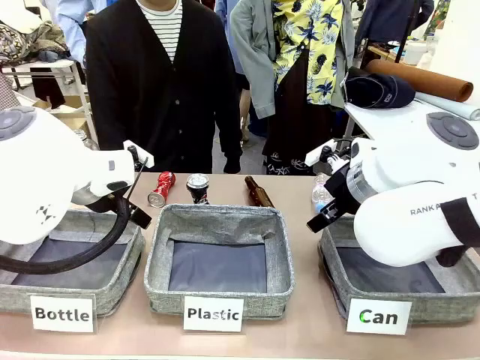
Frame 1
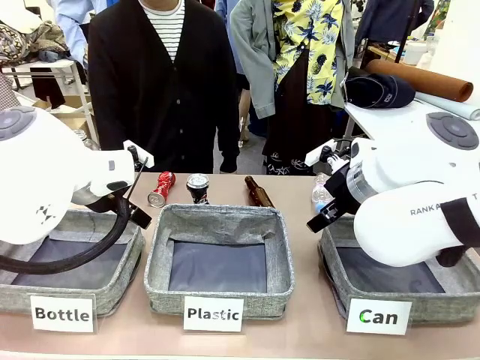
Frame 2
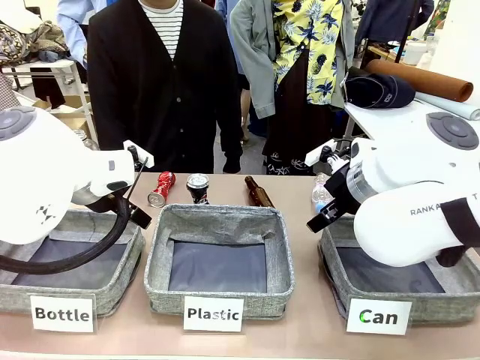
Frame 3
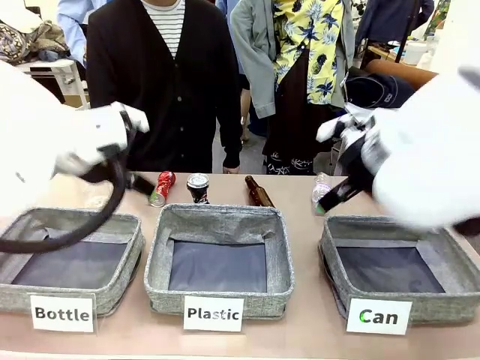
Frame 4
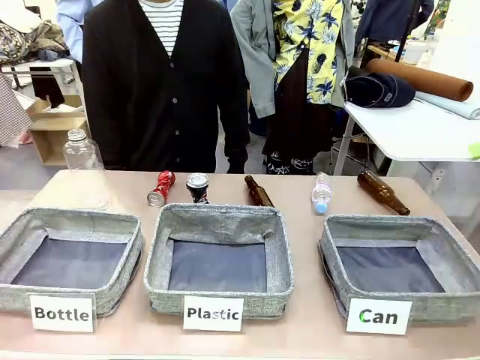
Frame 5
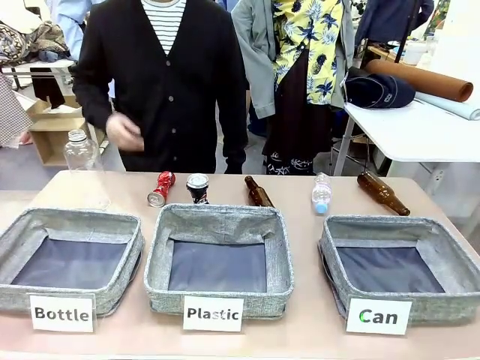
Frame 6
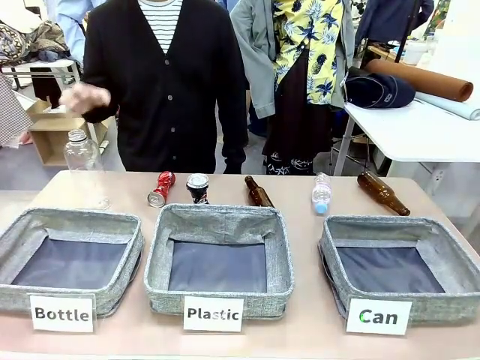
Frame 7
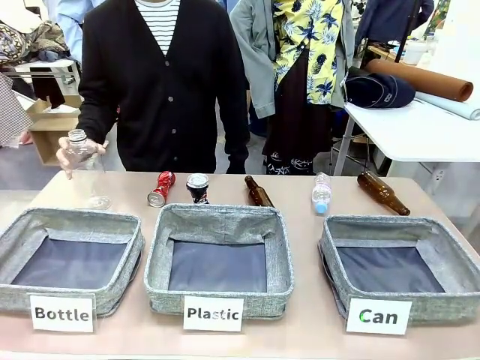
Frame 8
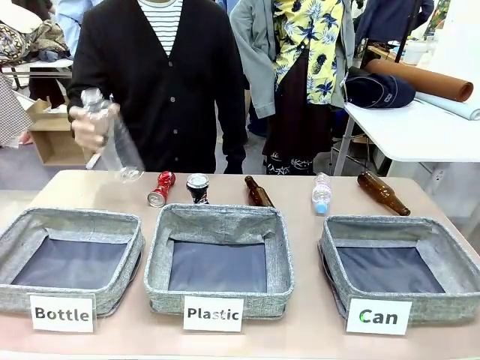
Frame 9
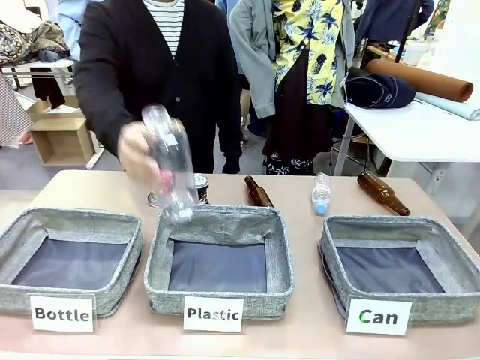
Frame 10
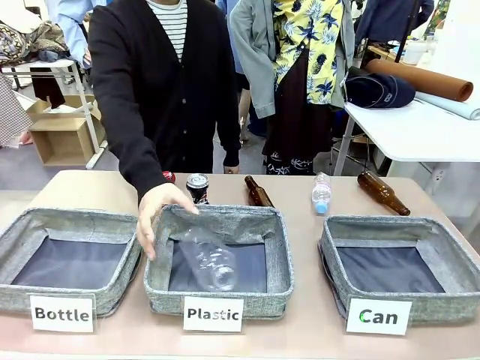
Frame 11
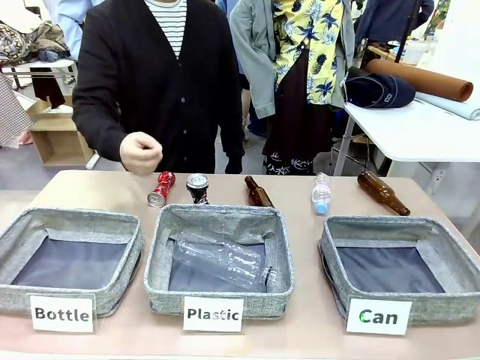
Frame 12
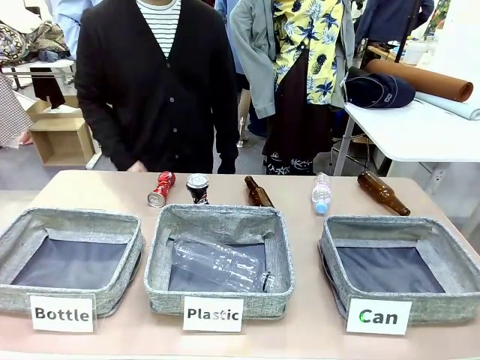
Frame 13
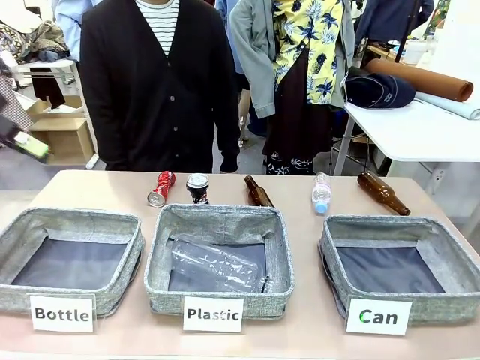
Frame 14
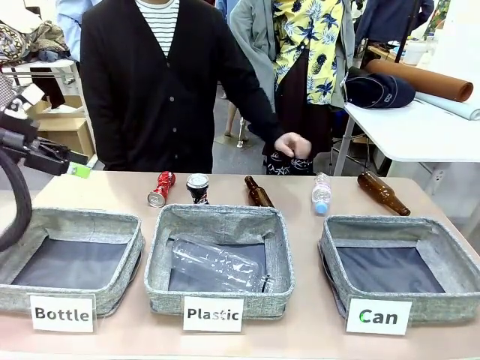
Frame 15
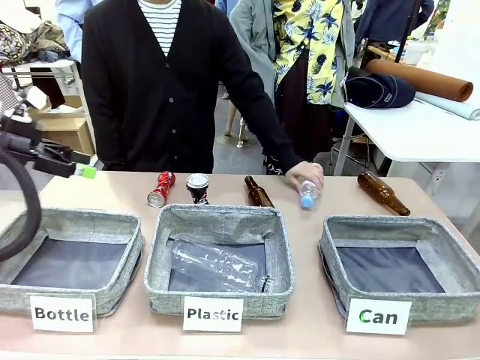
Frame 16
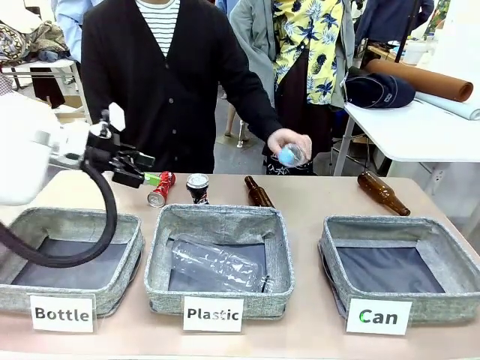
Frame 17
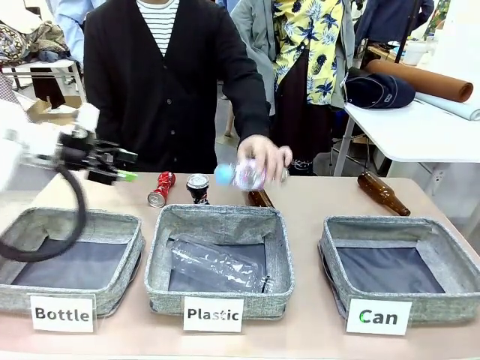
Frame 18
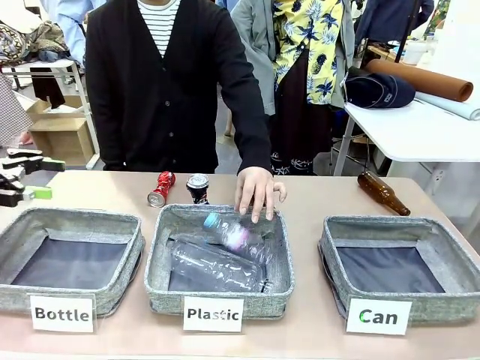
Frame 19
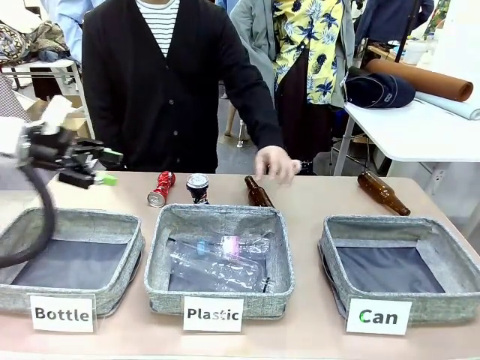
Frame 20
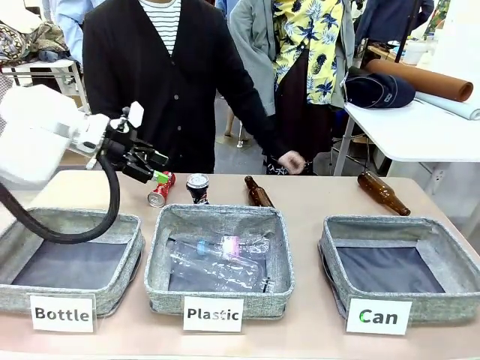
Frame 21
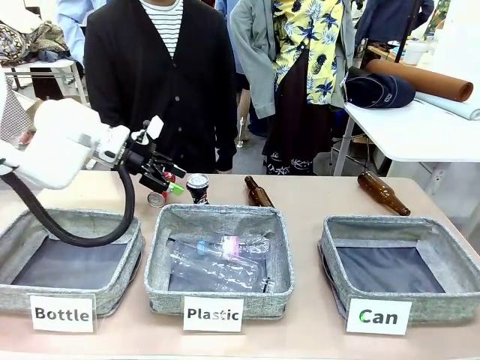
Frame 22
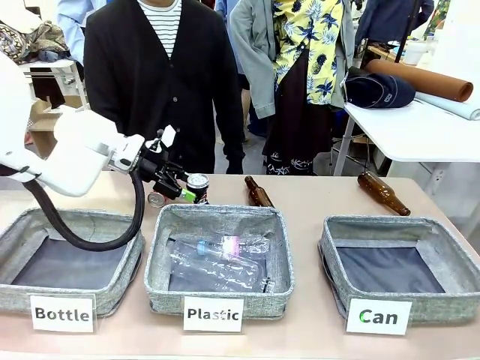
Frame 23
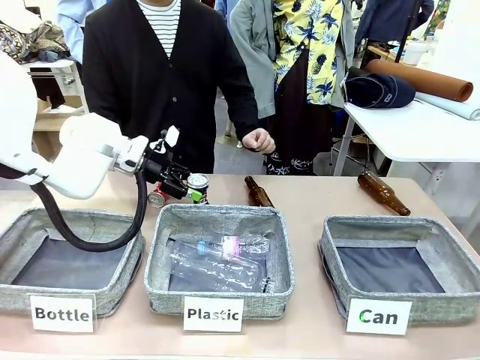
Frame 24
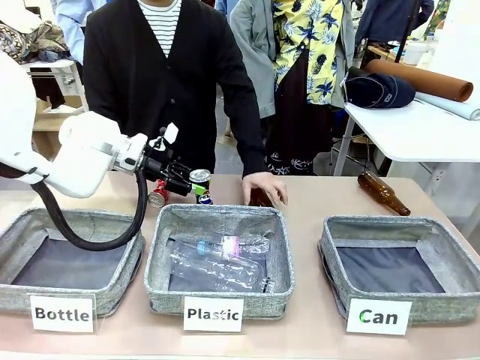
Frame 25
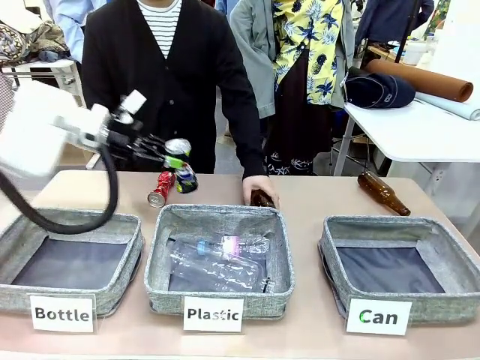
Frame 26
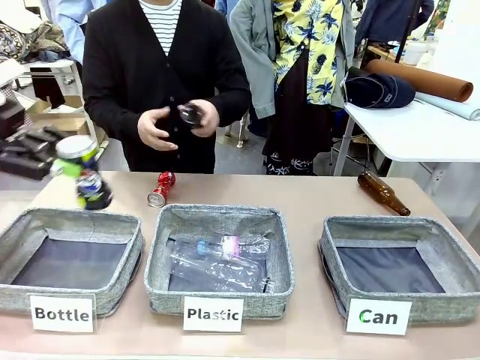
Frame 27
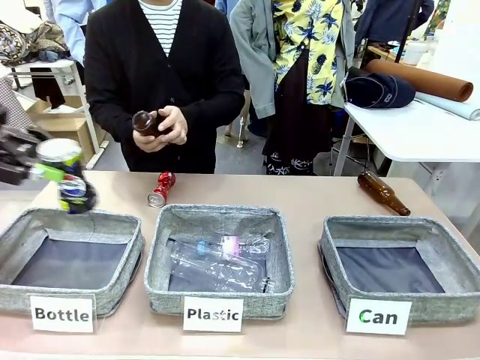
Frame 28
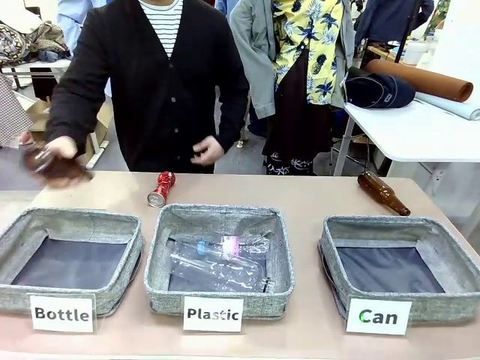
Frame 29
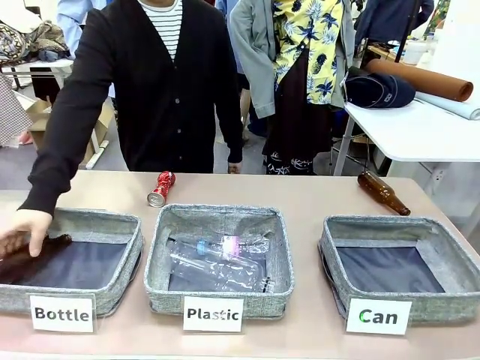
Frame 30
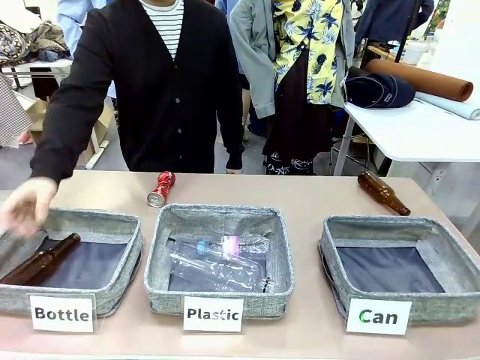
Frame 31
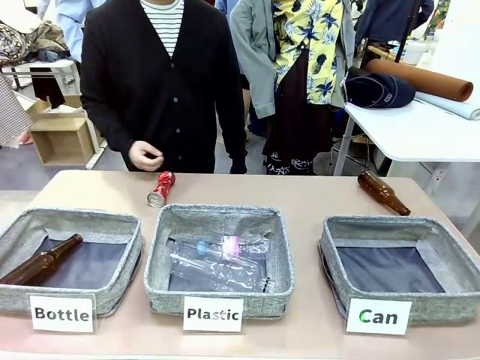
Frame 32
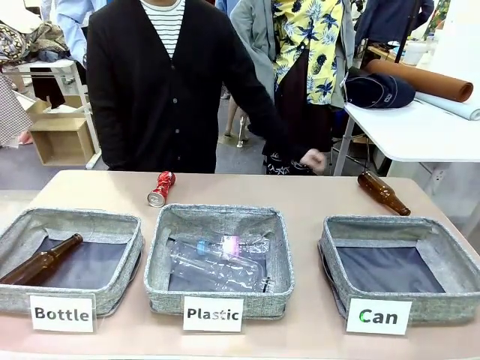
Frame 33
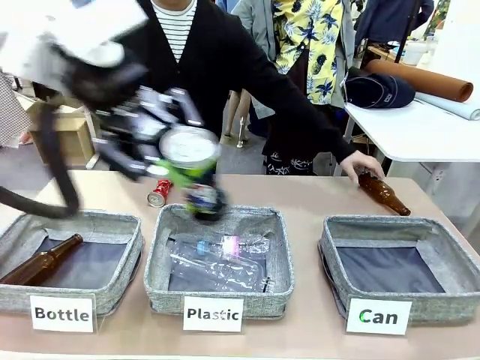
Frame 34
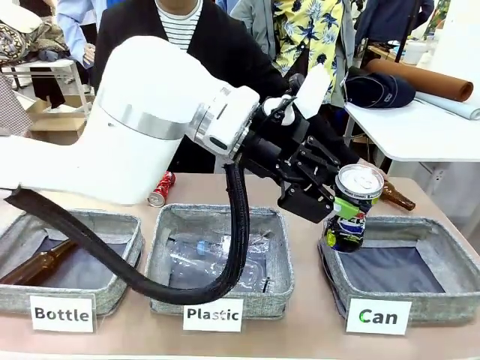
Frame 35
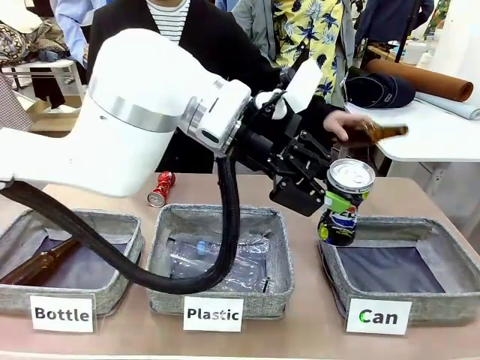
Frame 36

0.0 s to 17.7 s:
Task: Sort the can waste into the basket.
Robot: Pick up the can waste from the table and place it in the right Fabric basket.

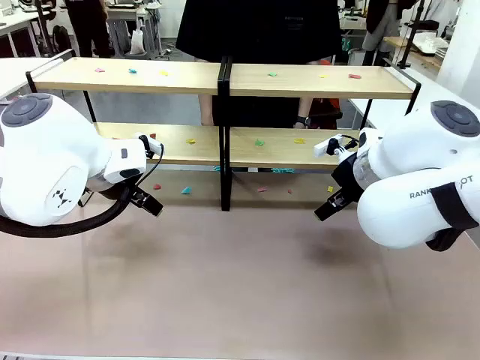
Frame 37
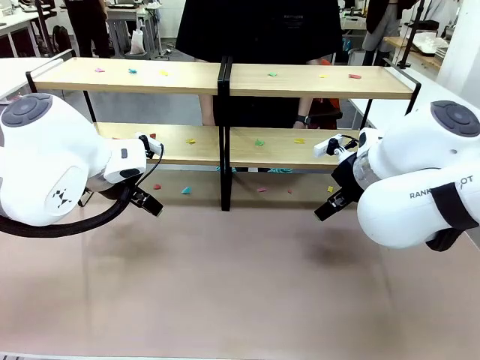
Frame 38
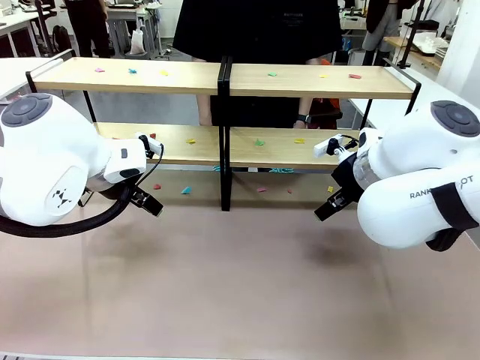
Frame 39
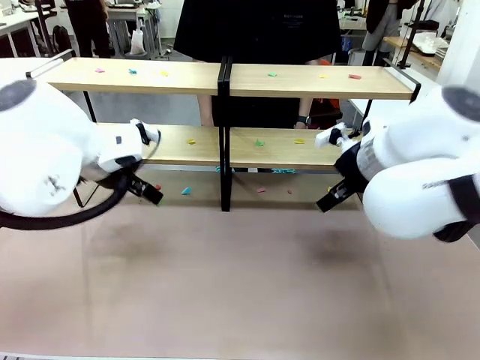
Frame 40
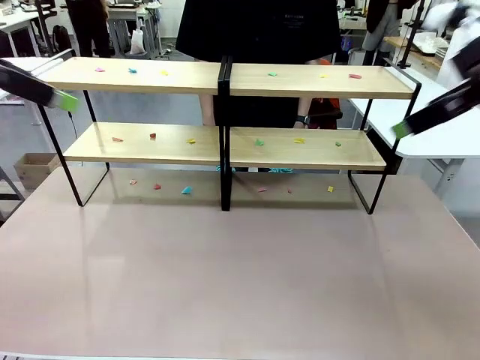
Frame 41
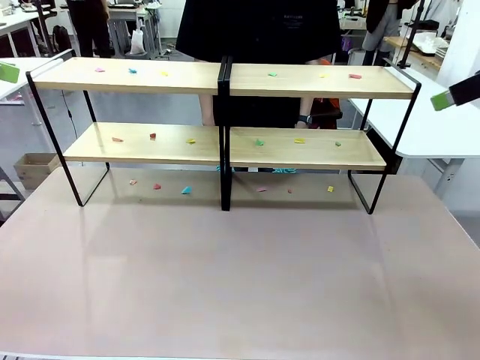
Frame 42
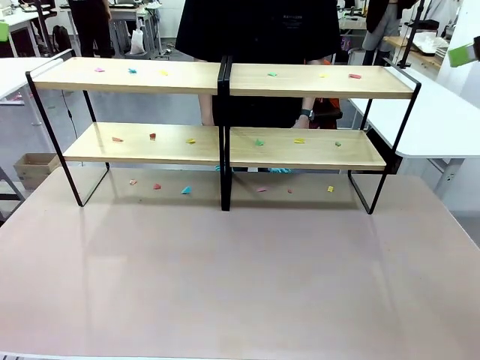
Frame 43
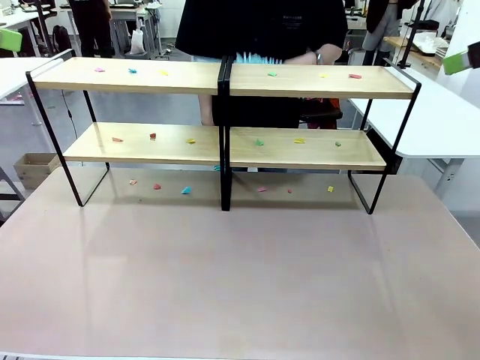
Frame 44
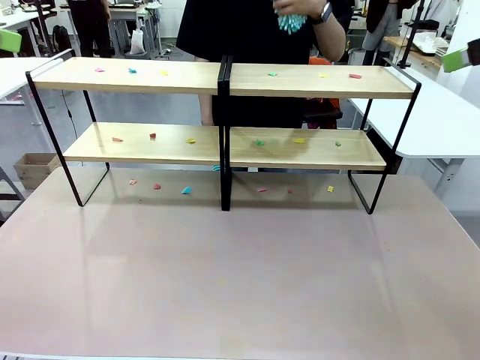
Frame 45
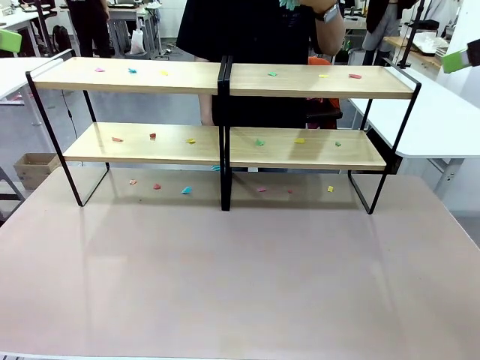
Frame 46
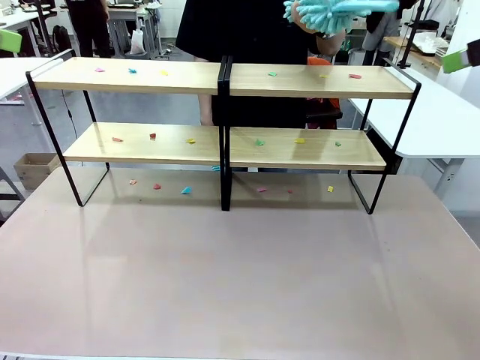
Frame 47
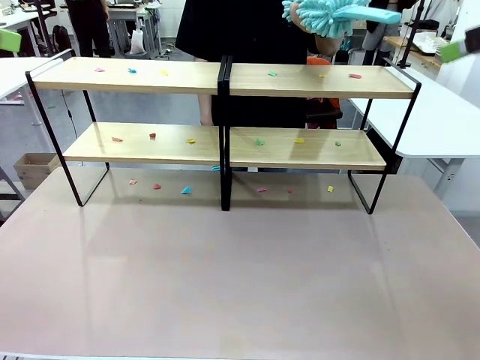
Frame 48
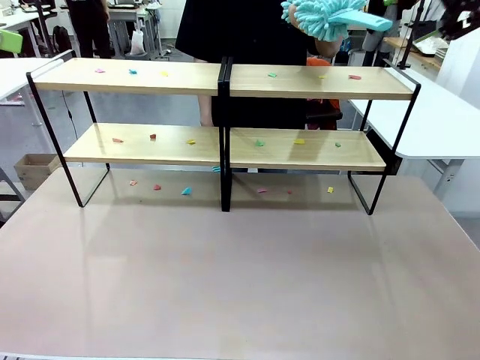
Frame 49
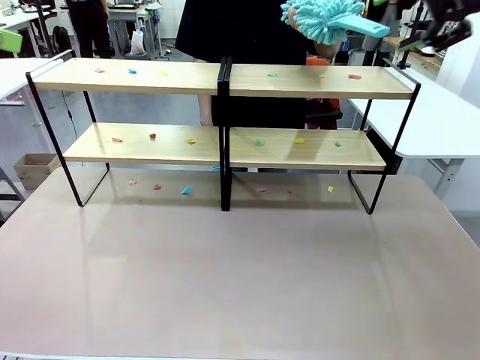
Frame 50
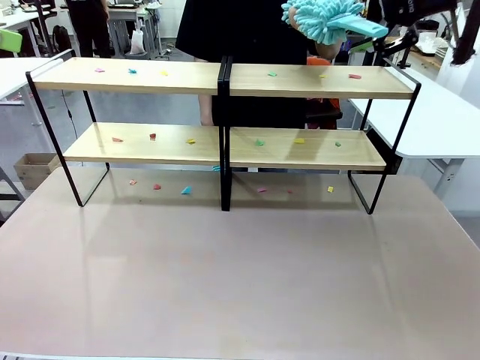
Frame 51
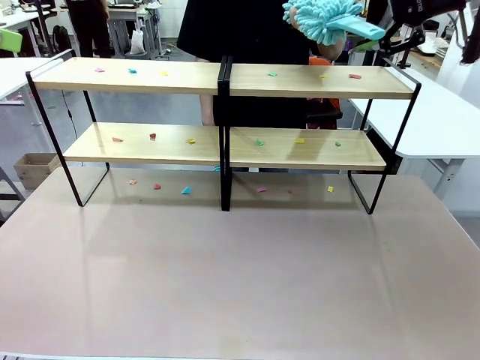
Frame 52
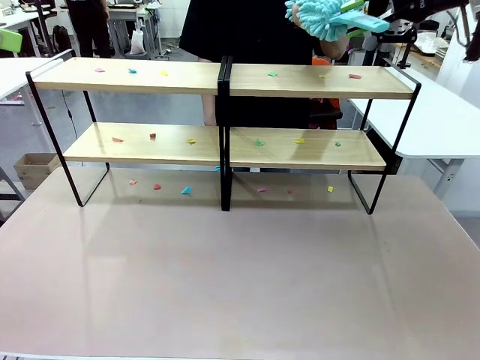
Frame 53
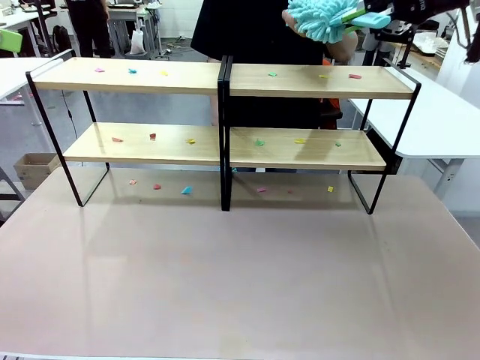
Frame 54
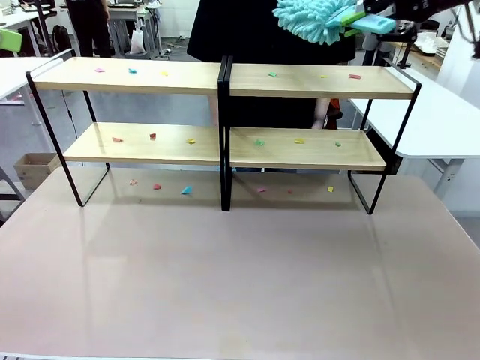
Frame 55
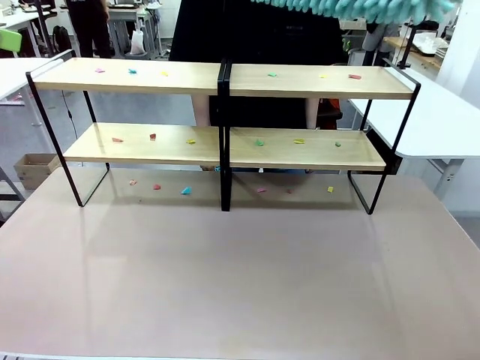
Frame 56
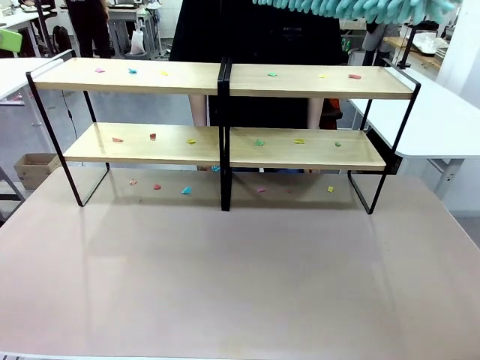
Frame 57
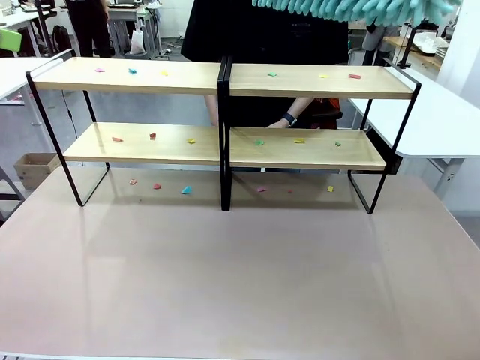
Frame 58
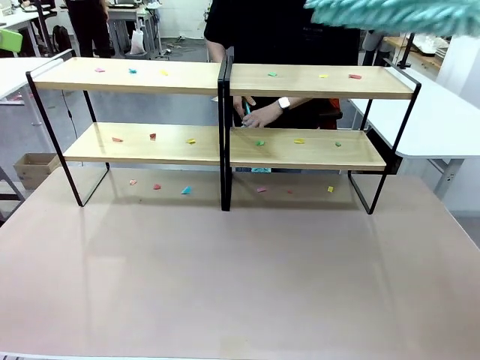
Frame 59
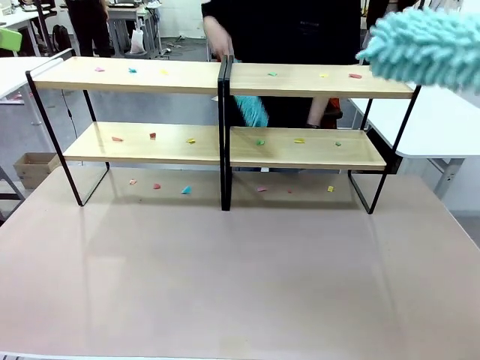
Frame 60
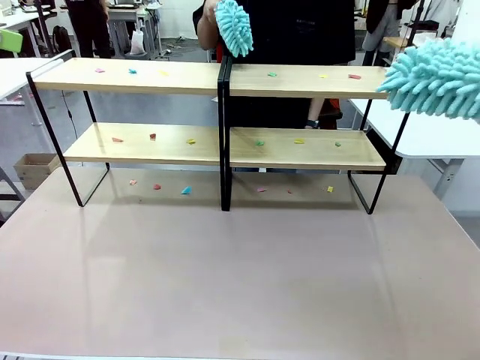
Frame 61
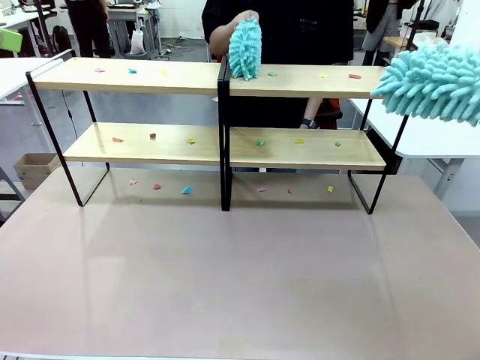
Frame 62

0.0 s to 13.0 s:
Task: Clean the shelves.
Robot: Pick up the Duster when the human hands it over.
Person: Hand the Duster to the robot with your right (or left) hand.
